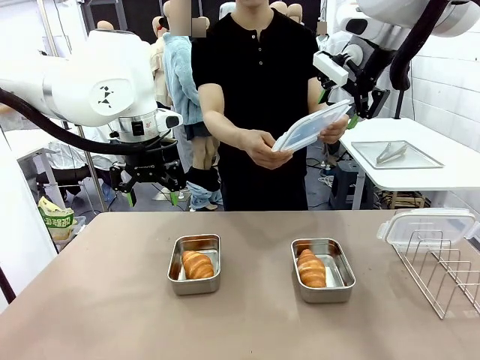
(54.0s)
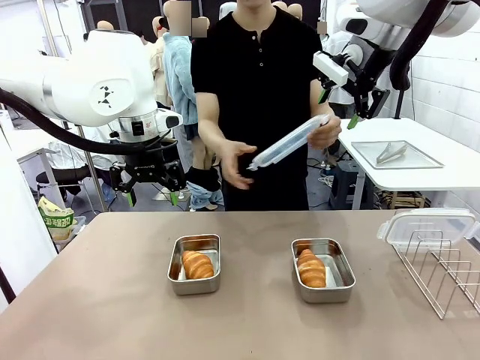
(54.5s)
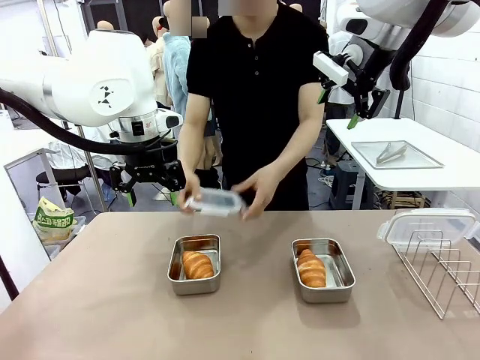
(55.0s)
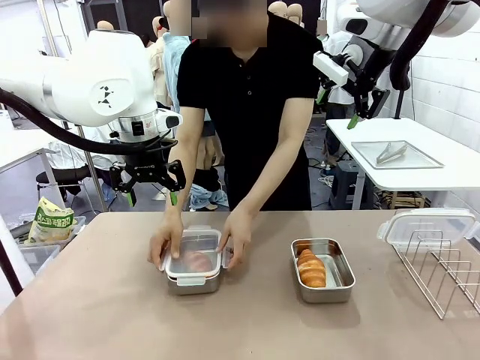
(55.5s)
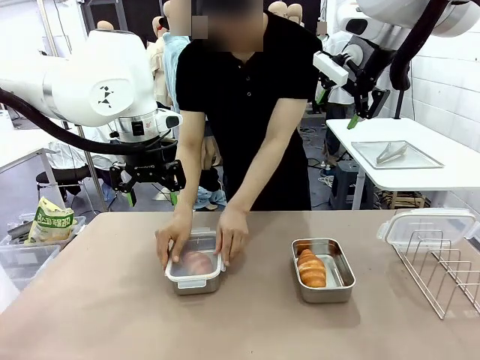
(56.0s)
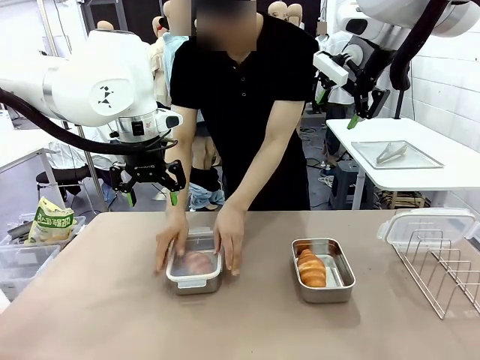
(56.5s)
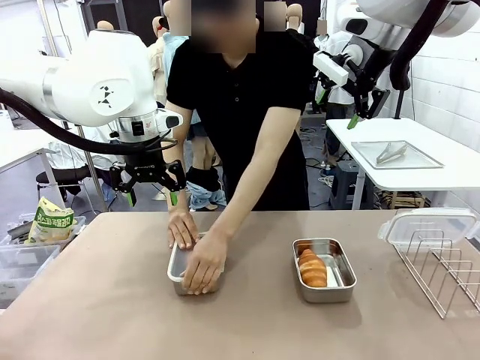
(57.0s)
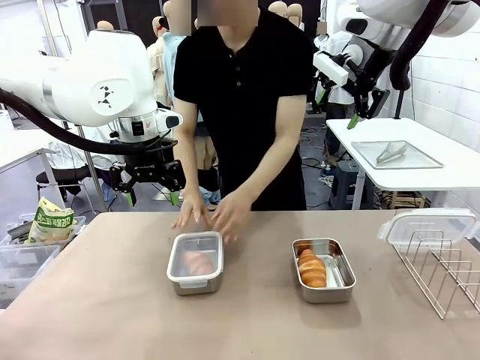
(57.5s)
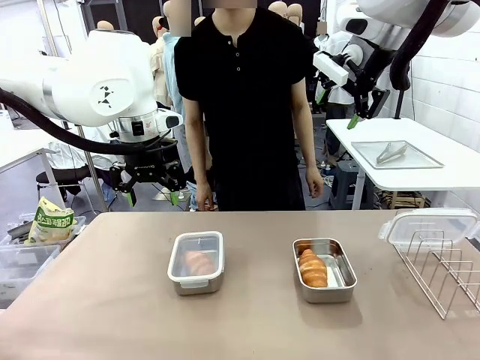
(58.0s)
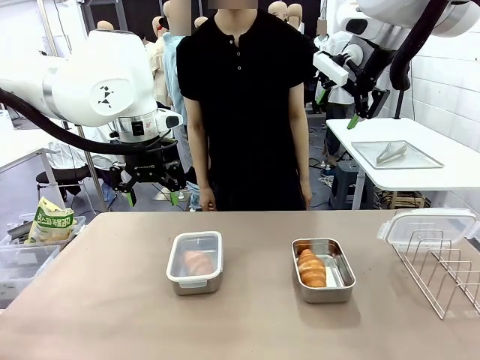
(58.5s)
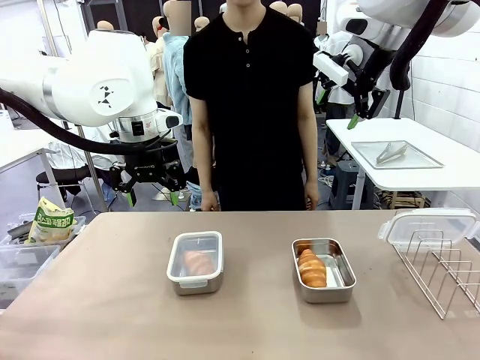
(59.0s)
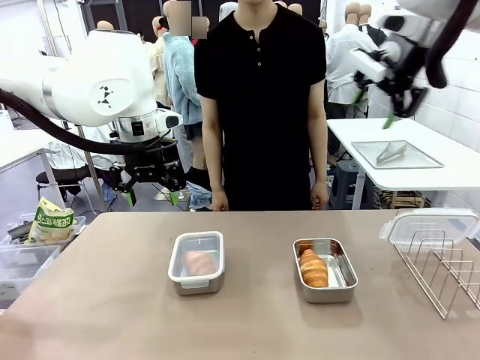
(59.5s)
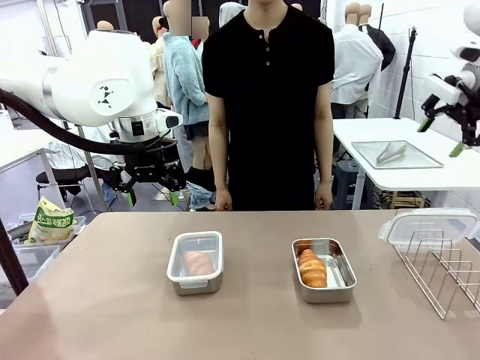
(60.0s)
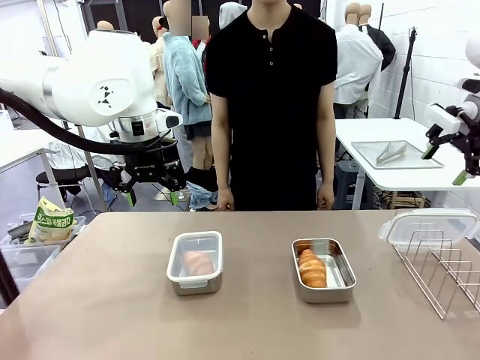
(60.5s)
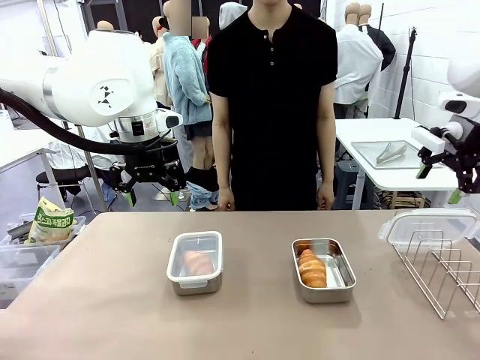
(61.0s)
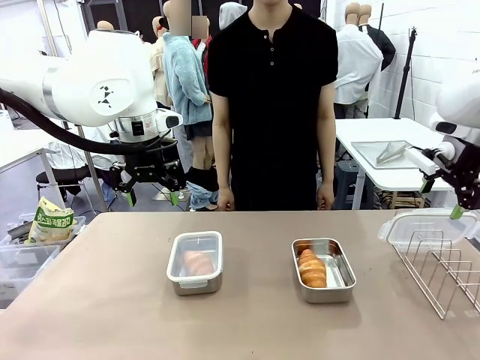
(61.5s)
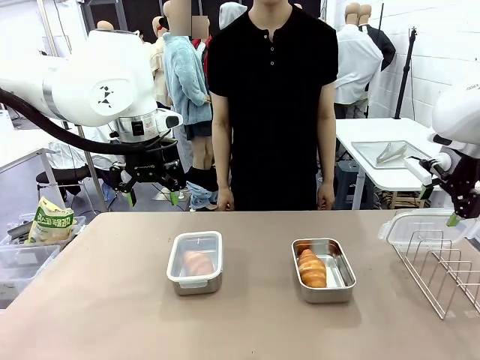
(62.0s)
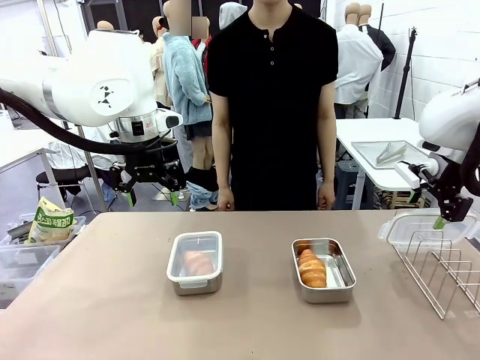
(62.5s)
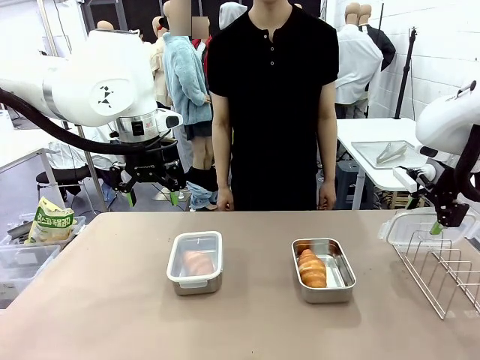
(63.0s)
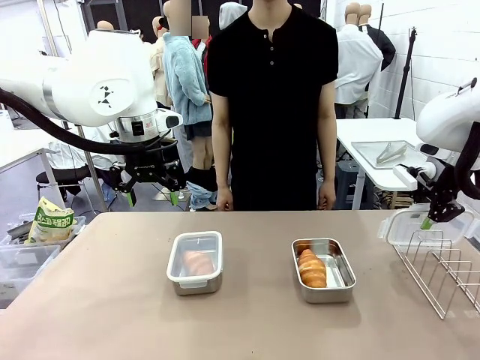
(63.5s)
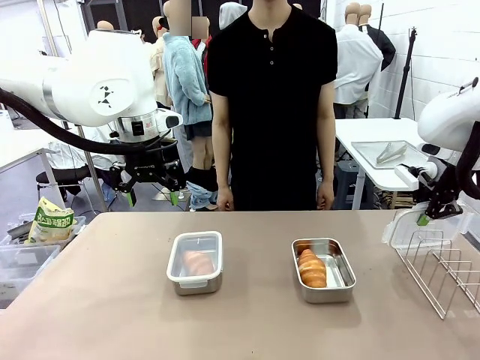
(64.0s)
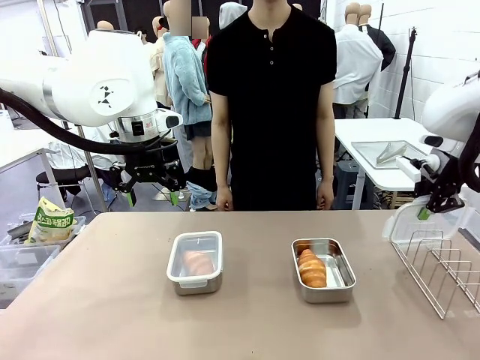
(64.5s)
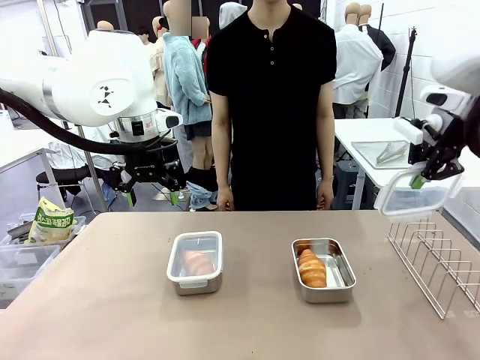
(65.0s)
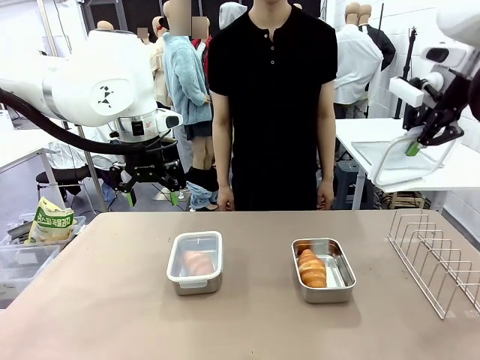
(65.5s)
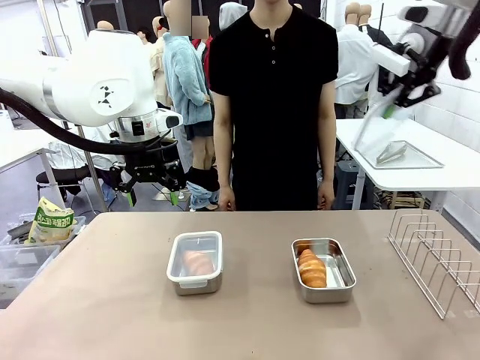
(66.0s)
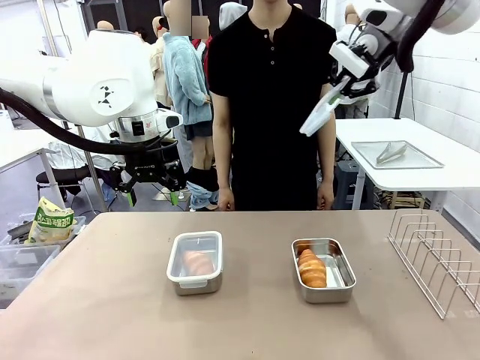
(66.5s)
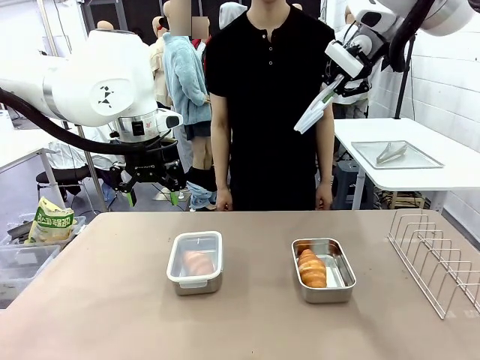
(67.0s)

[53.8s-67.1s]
Task: Place the bread in airtight containers.
Robot: Pick up one Airtight Container lid and hand it to the human.
Person: Close Airtight Container with a handed Airtight Container lid. Grip Airtight Container lid that robot is handing.

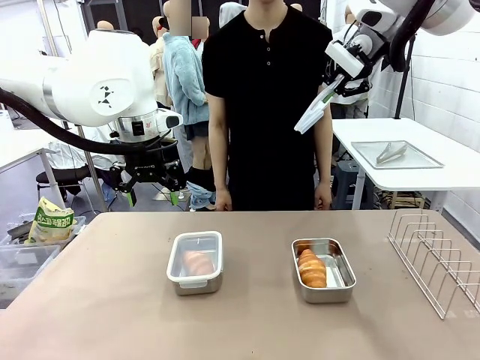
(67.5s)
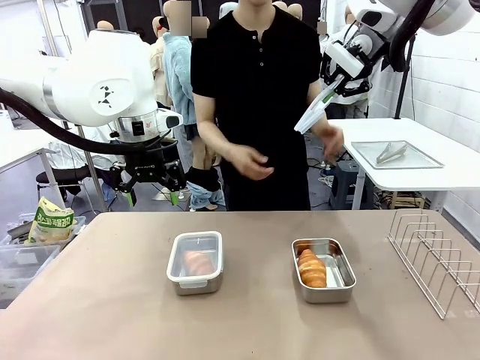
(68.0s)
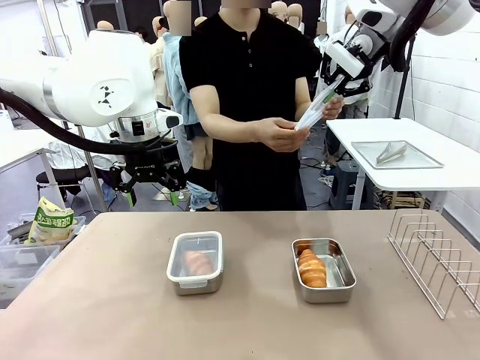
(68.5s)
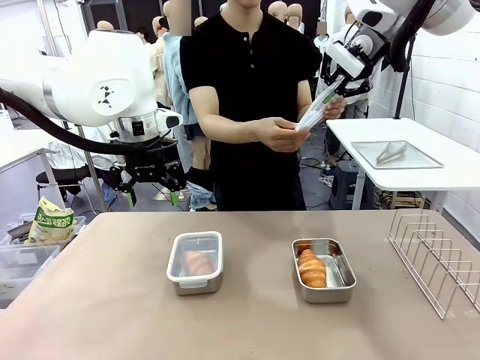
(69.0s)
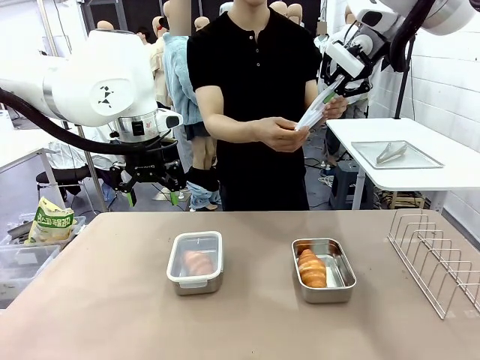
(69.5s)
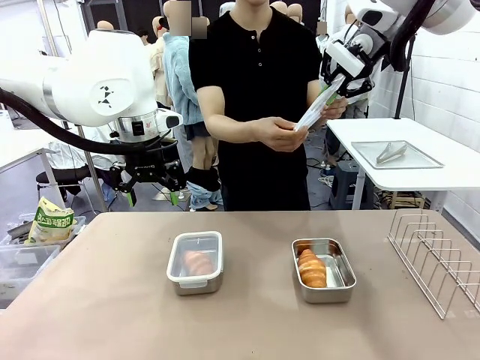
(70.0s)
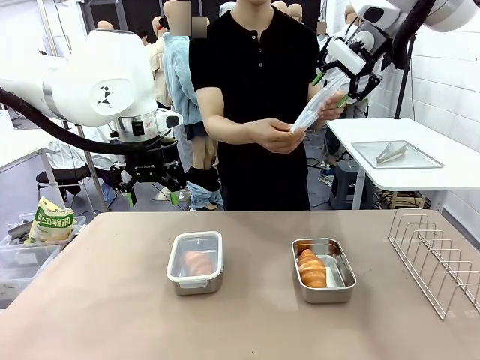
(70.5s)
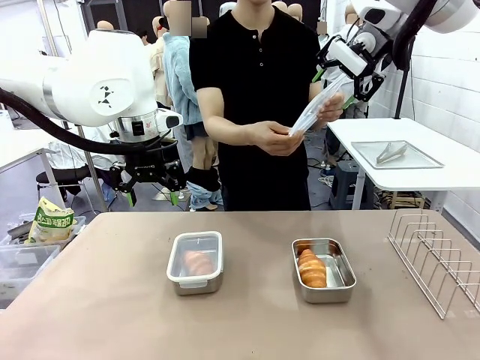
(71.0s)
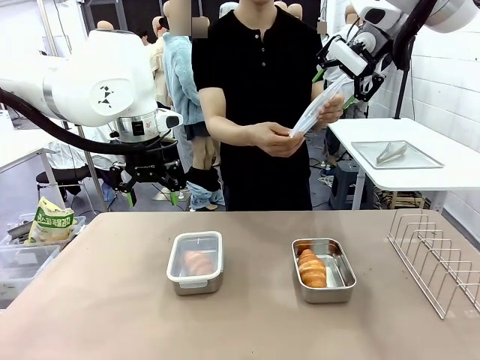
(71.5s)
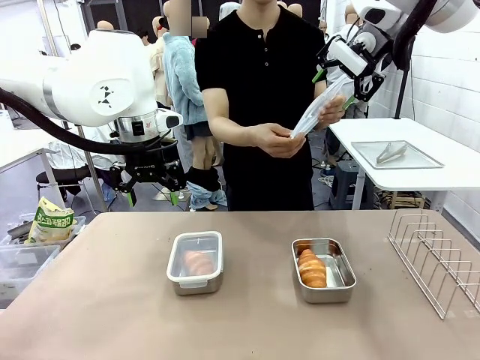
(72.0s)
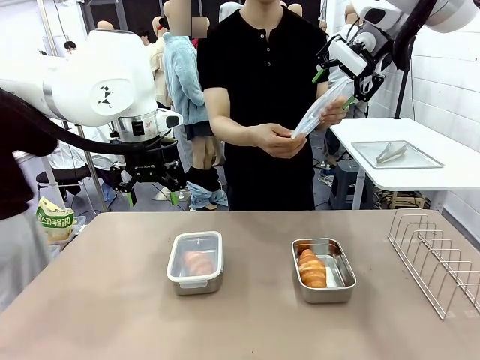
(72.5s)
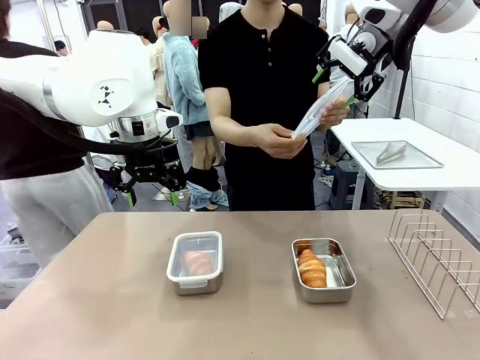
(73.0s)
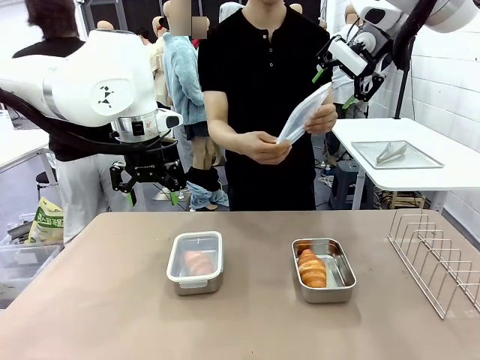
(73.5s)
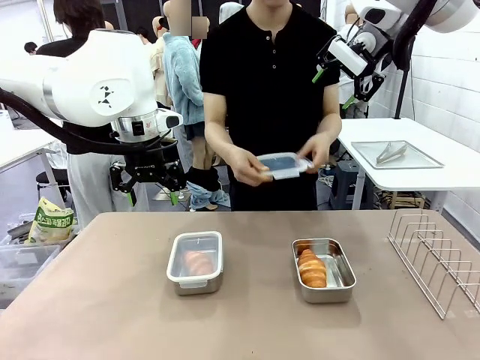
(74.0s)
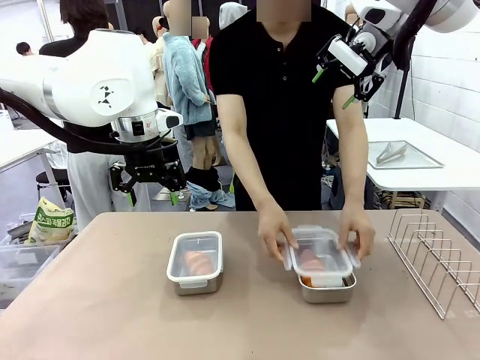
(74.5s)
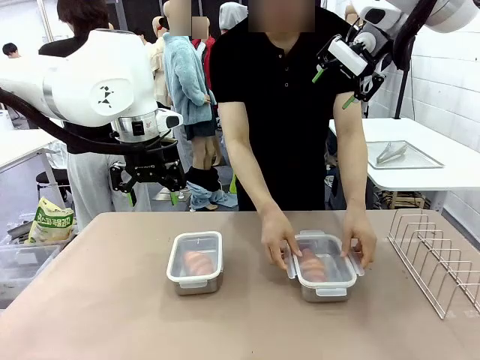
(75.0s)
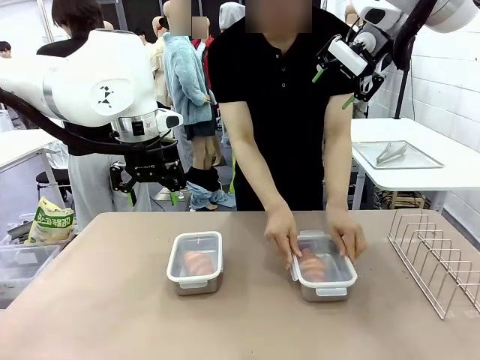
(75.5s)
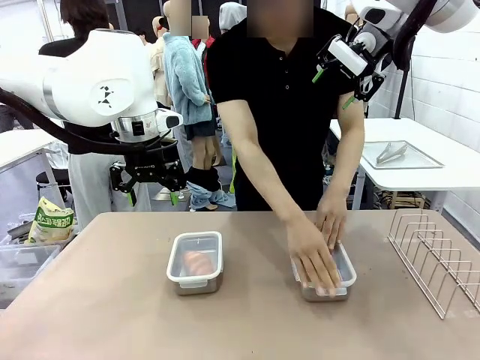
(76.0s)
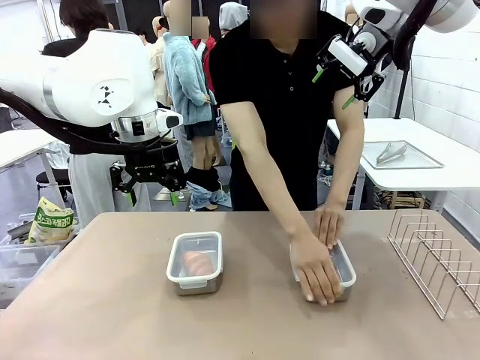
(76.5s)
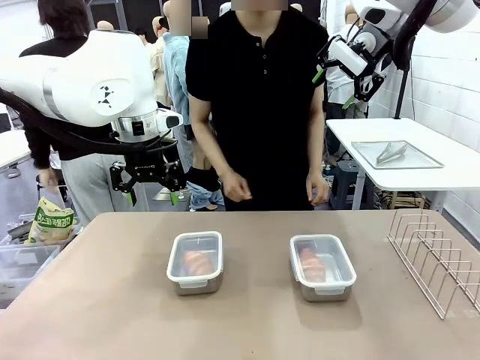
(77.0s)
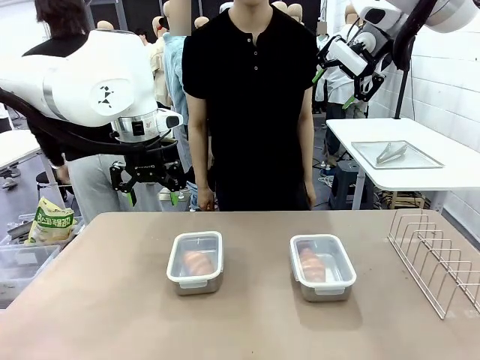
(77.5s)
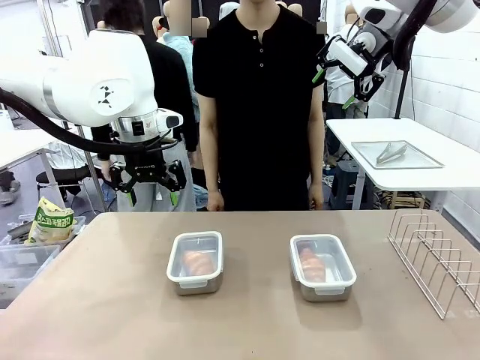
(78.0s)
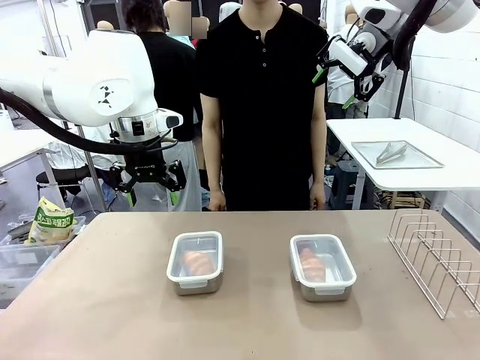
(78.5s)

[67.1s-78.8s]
Robot: Release when the human grabs the Airtight Container lid.
Person: Close Airtight Container with a handed Airtight Container lid.
